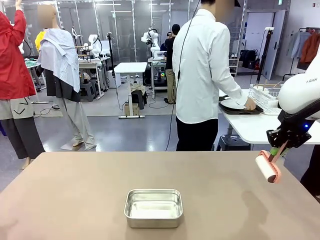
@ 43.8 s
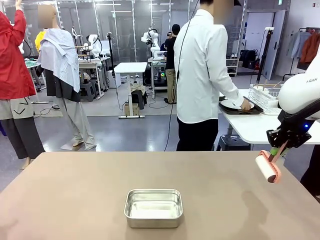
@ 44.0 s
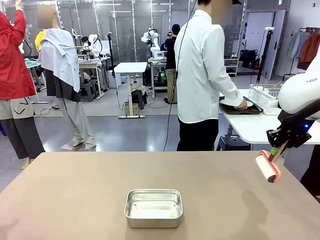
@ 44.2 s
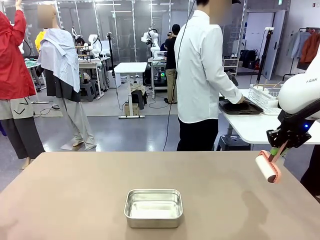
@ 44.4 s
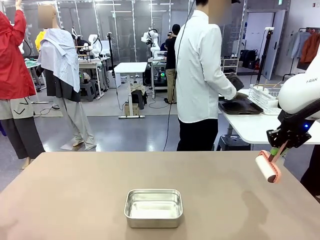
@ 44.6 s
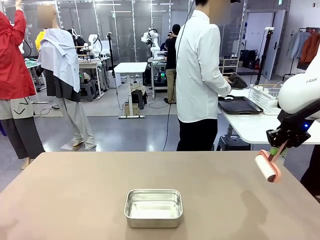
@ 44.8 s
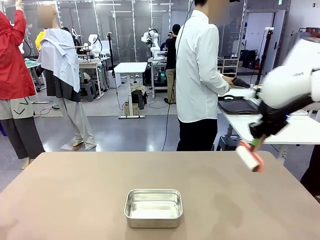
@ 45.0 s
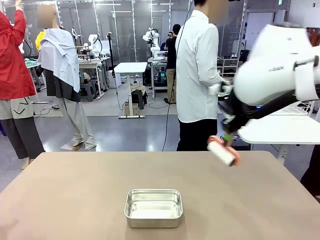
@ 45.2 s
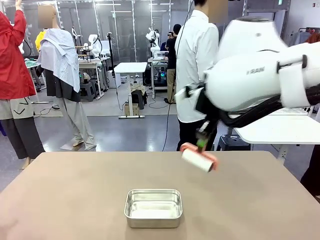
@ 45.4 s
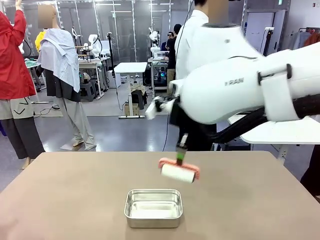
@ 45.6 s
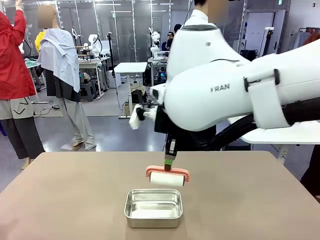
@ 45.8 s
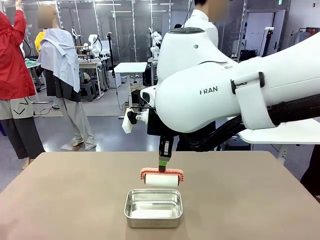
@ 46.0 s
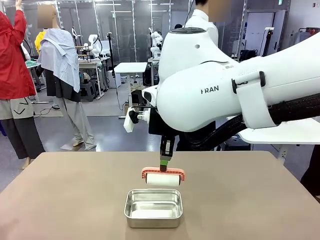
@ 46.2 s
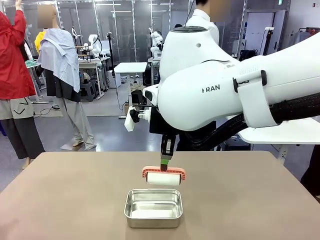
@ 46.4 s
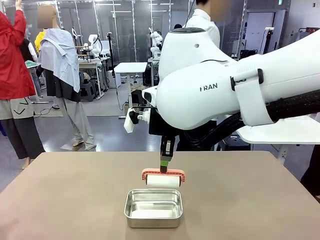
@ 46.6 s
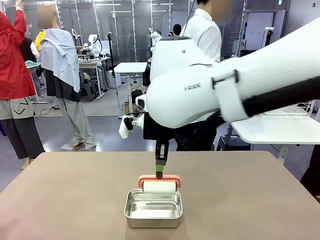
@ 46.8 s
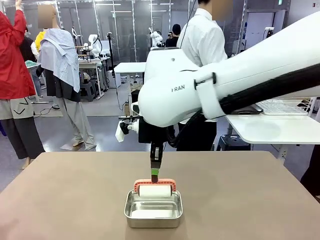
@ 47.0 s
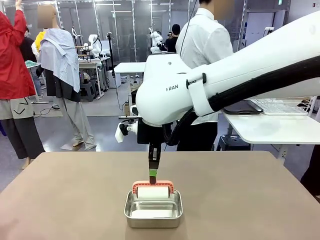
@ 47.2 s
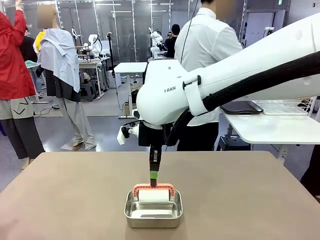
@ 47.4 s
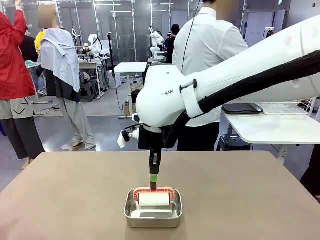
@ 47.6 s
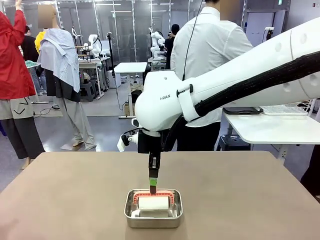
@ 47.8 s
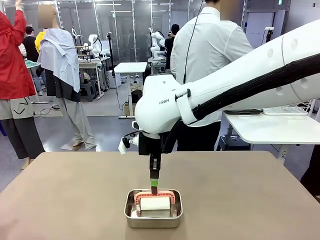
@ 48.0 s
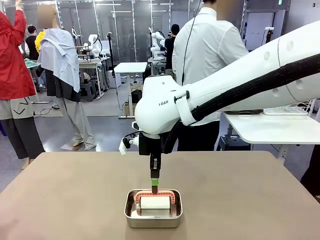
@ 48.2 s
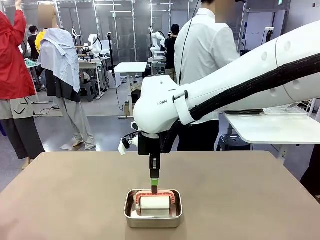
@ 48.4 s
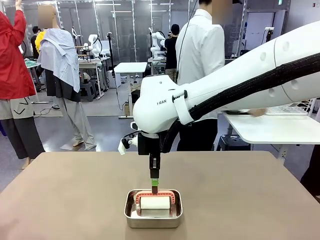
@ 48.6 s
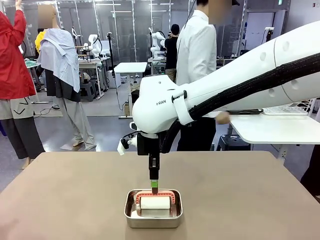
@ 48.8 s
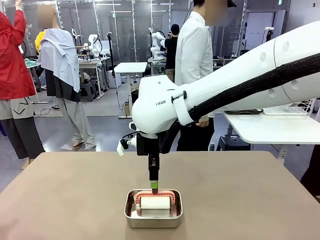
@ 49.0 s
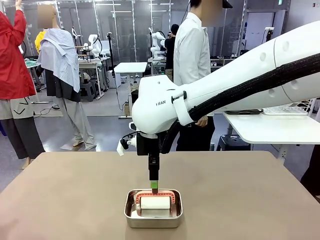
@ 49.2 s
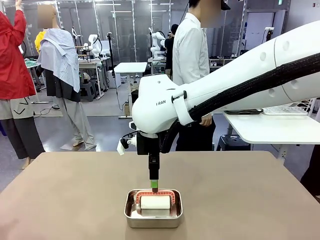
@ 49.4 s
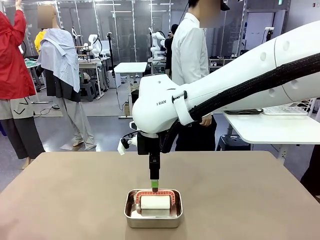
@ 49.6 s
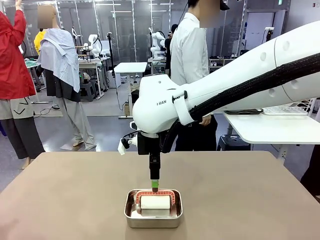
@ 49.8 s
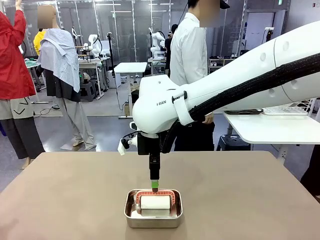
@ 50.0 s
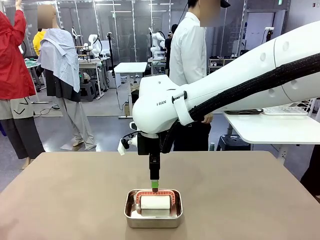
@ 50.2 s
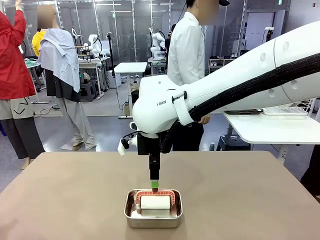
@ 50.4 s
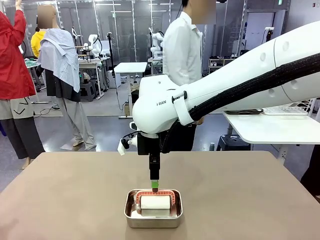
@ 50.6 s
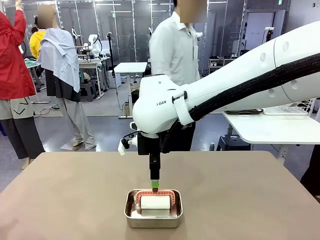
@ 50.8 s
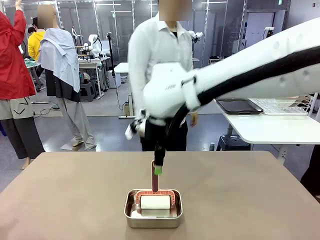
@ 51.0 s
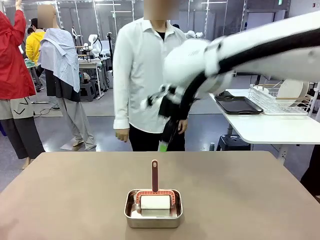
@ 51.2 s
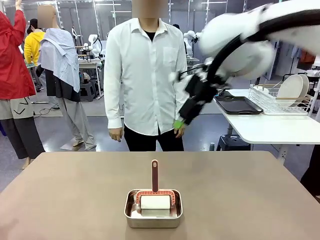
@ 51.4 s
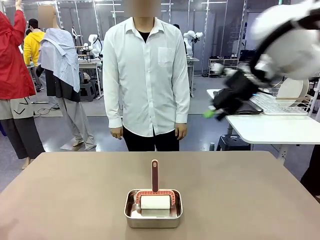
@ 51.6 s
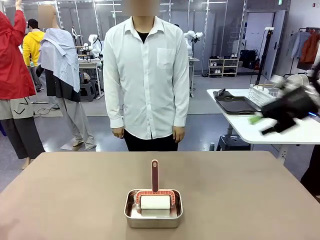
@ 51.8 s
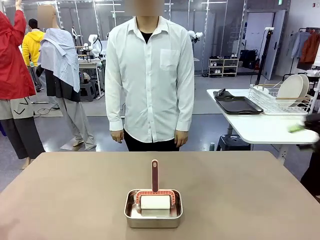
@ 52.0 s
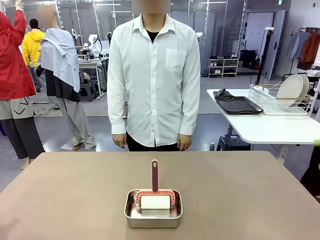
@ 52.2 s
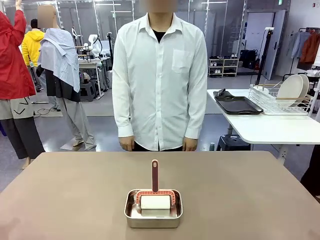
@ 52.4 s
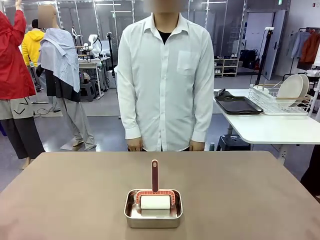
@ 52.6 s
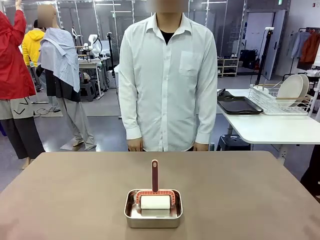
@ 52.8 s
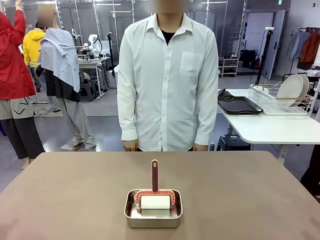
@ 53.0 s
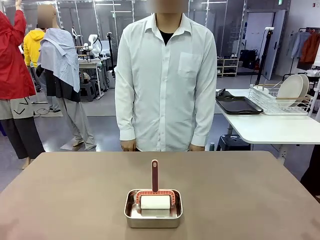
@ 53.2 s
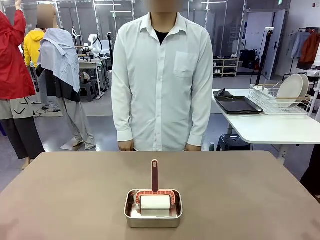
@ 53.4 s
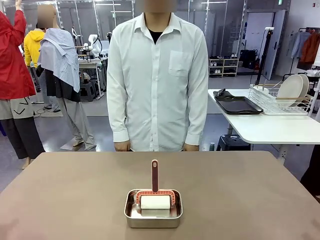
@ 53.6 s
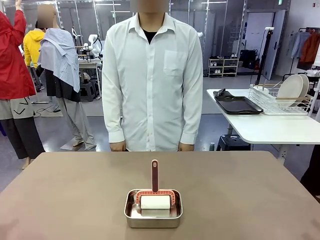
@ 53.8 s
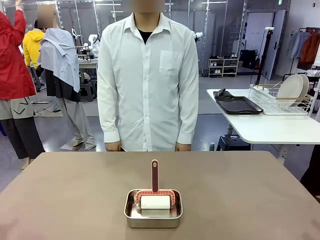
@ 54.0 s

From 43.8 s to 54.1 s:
Robot: Place the Lint Roller back on top of the Airtight Container.
Person: Use the Towel with hook to wipe the Plastic Matte Plate , Fork , and Knife and place into the Dish drying rack.
